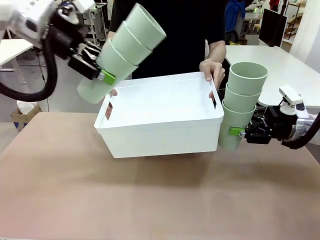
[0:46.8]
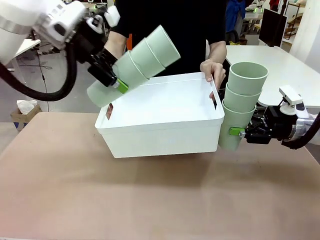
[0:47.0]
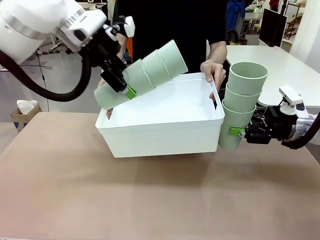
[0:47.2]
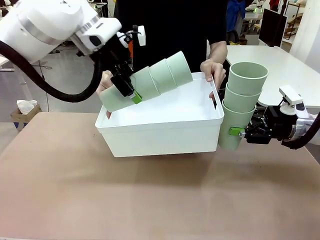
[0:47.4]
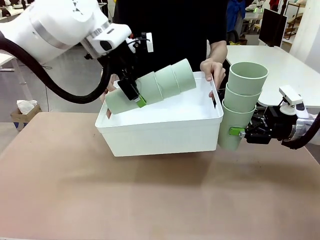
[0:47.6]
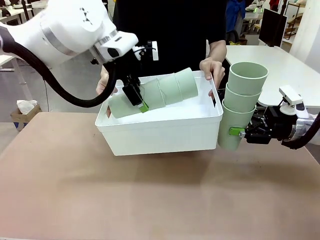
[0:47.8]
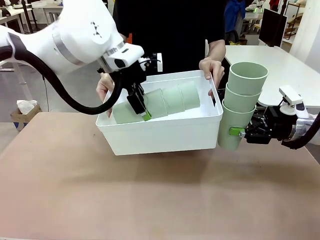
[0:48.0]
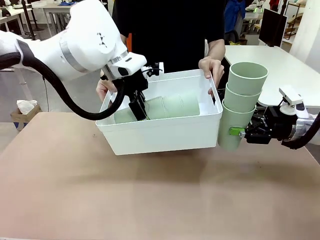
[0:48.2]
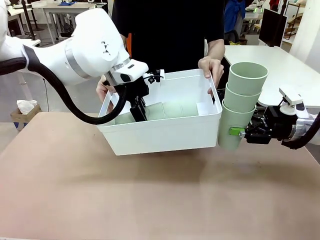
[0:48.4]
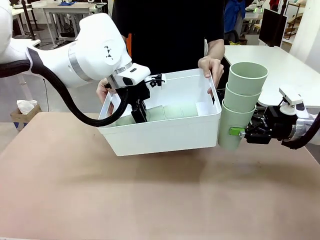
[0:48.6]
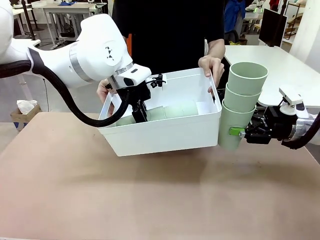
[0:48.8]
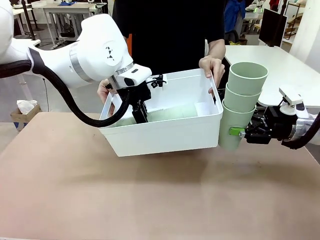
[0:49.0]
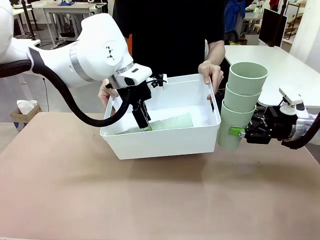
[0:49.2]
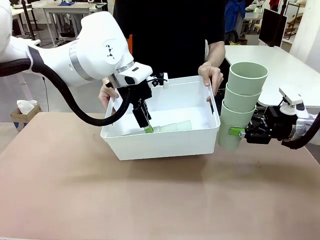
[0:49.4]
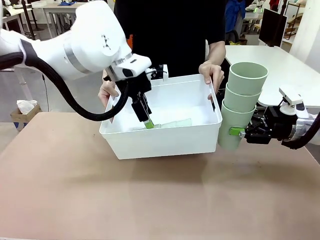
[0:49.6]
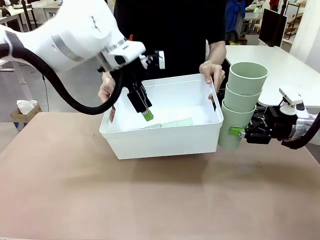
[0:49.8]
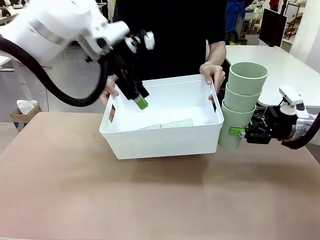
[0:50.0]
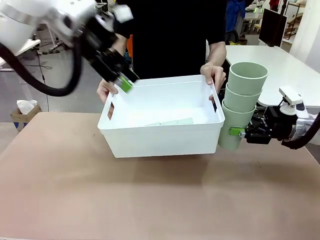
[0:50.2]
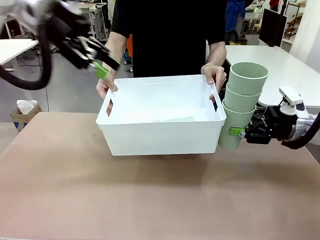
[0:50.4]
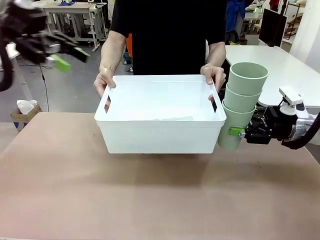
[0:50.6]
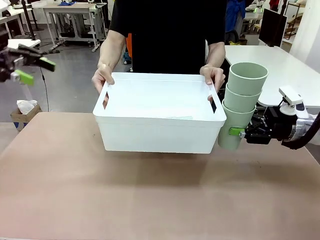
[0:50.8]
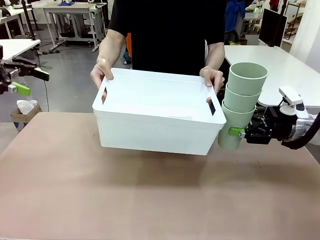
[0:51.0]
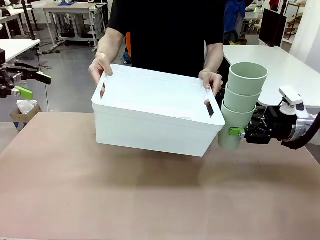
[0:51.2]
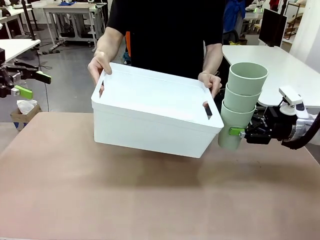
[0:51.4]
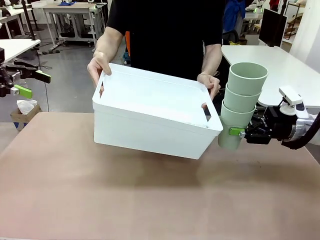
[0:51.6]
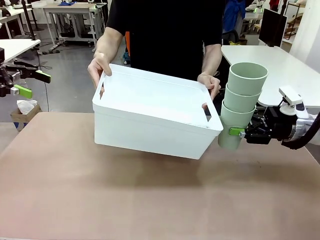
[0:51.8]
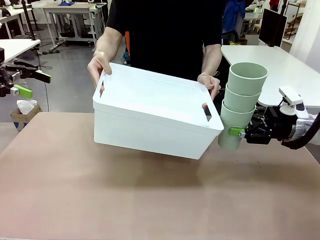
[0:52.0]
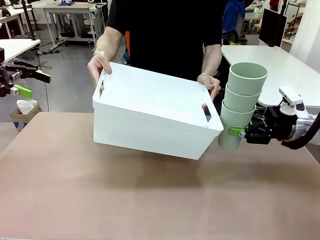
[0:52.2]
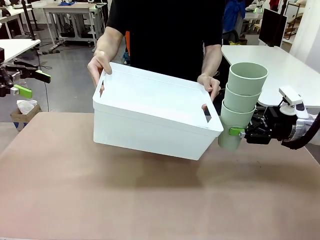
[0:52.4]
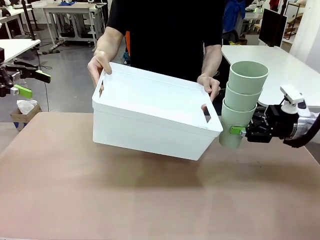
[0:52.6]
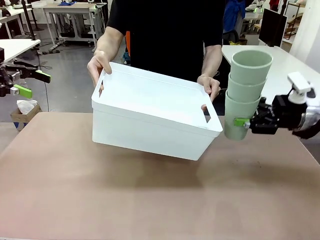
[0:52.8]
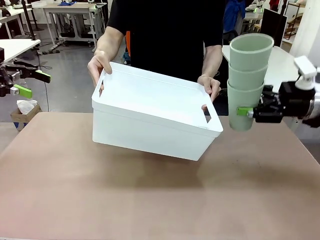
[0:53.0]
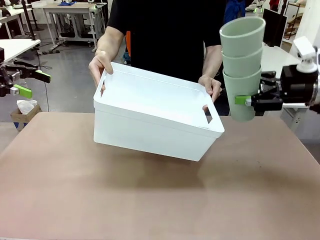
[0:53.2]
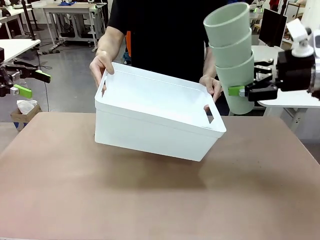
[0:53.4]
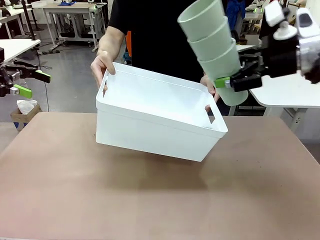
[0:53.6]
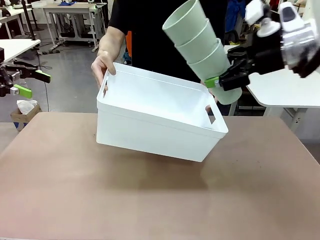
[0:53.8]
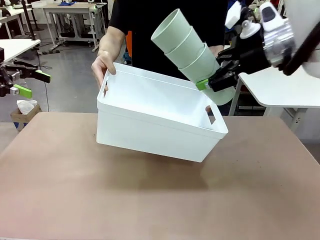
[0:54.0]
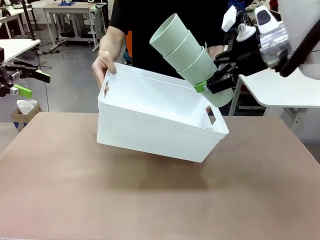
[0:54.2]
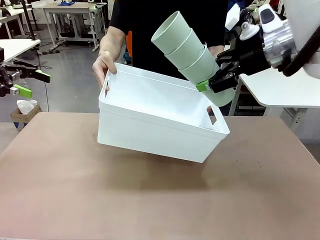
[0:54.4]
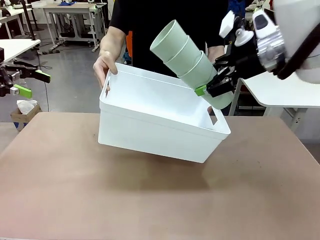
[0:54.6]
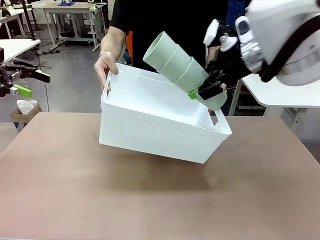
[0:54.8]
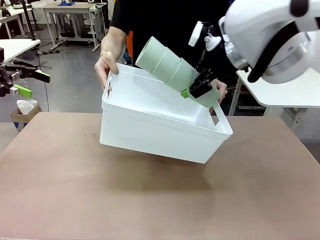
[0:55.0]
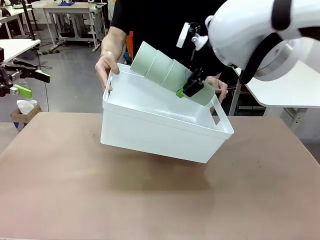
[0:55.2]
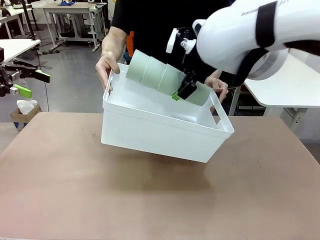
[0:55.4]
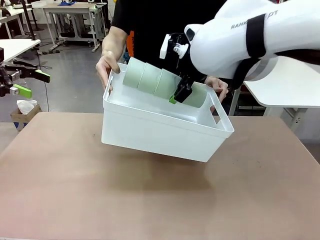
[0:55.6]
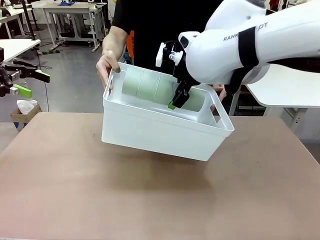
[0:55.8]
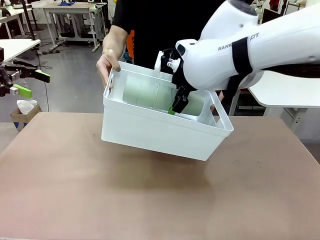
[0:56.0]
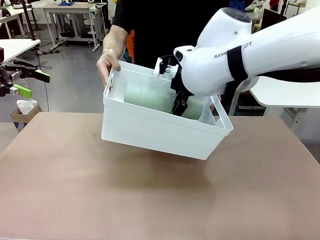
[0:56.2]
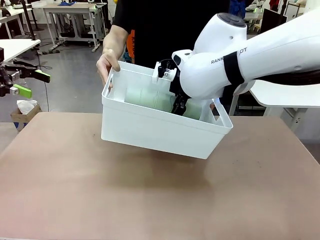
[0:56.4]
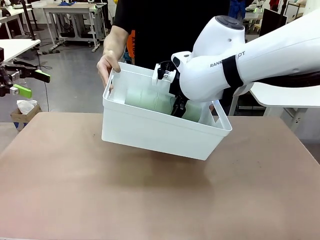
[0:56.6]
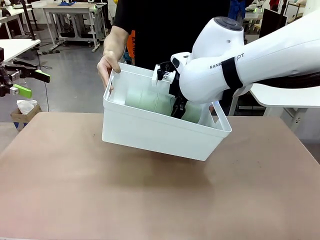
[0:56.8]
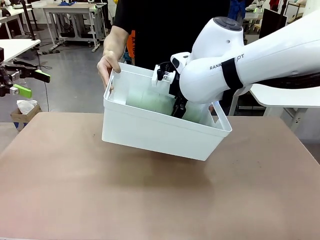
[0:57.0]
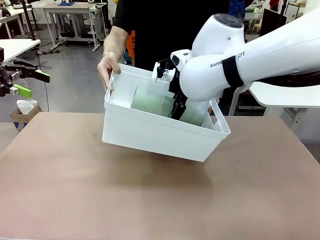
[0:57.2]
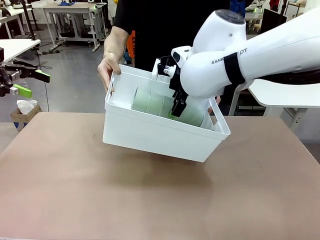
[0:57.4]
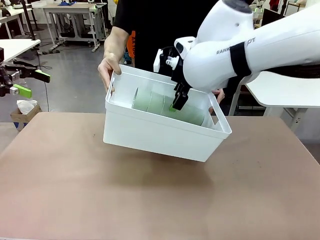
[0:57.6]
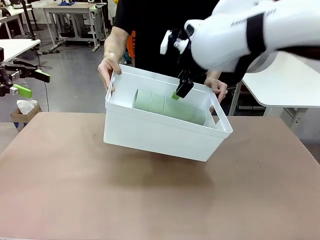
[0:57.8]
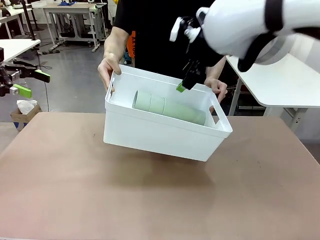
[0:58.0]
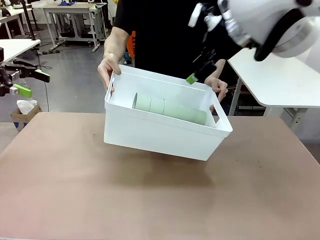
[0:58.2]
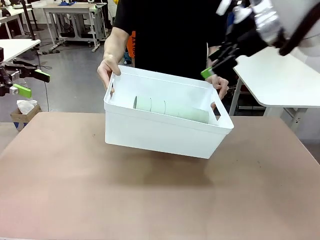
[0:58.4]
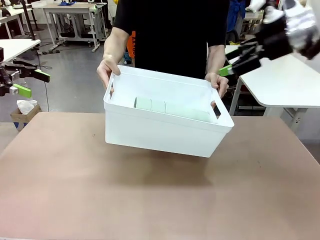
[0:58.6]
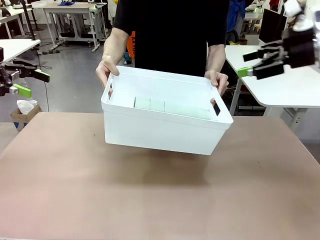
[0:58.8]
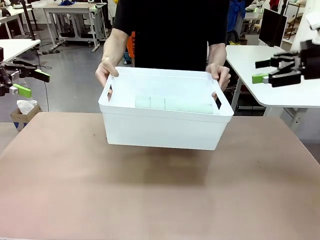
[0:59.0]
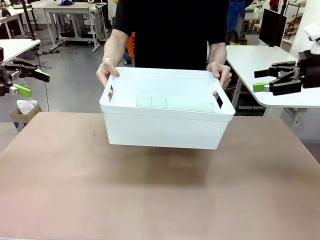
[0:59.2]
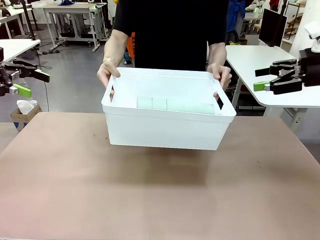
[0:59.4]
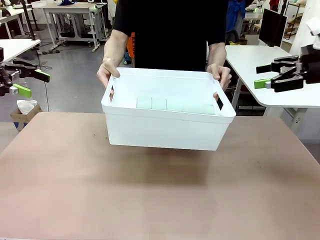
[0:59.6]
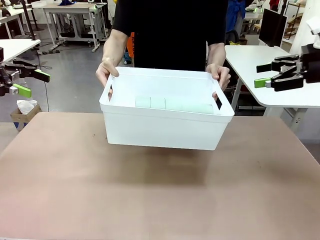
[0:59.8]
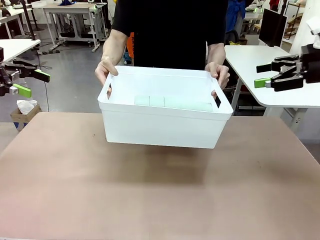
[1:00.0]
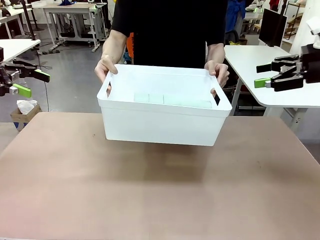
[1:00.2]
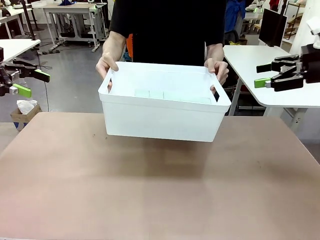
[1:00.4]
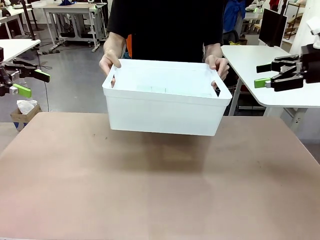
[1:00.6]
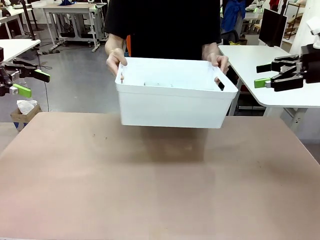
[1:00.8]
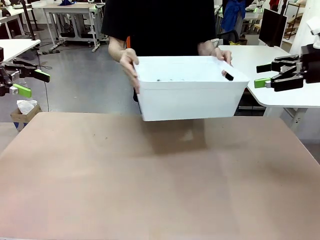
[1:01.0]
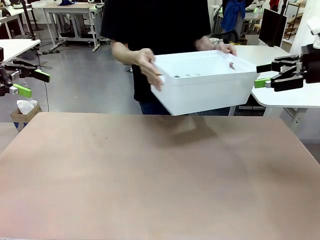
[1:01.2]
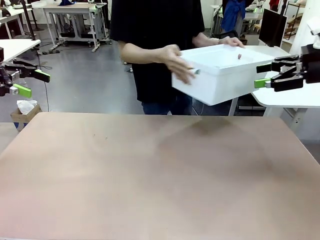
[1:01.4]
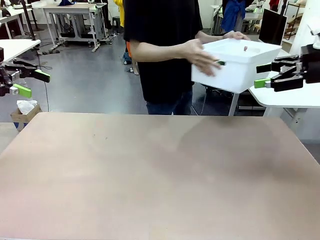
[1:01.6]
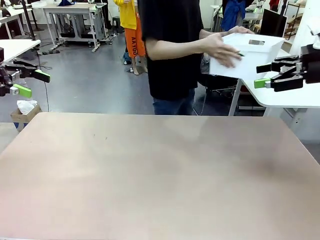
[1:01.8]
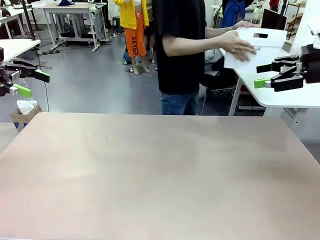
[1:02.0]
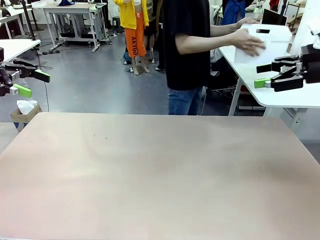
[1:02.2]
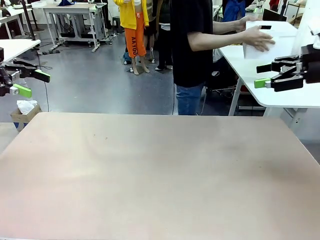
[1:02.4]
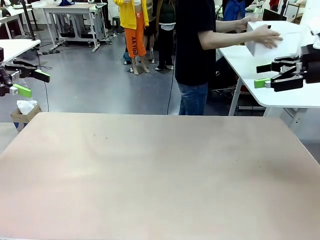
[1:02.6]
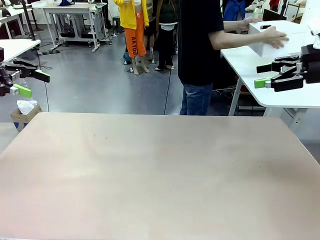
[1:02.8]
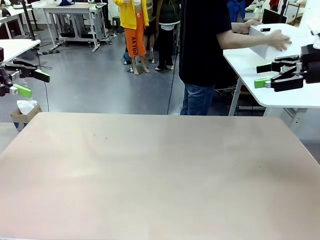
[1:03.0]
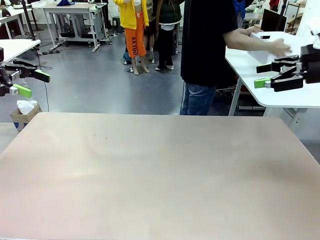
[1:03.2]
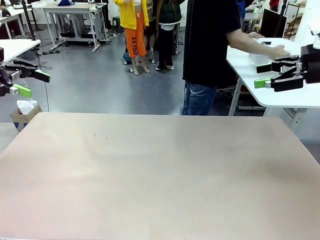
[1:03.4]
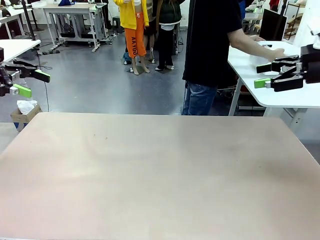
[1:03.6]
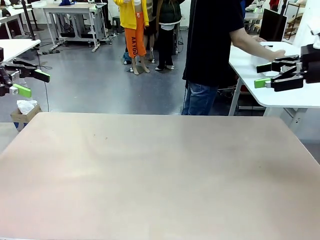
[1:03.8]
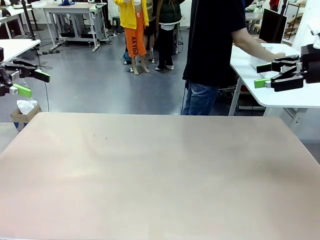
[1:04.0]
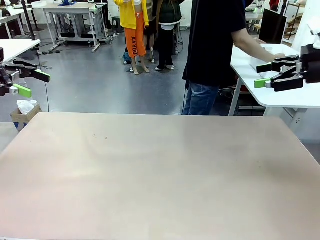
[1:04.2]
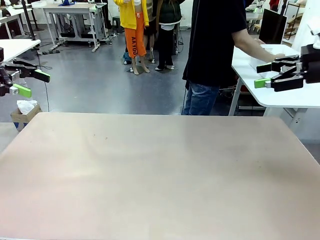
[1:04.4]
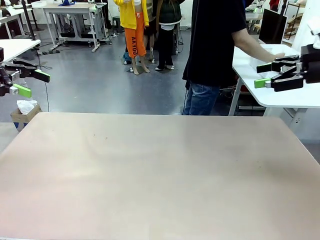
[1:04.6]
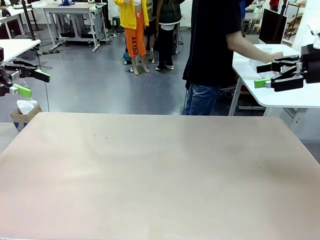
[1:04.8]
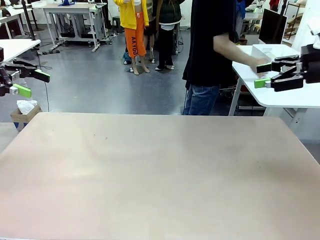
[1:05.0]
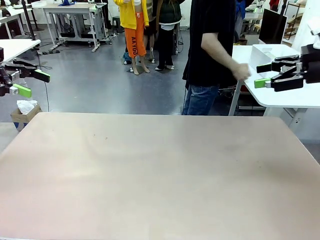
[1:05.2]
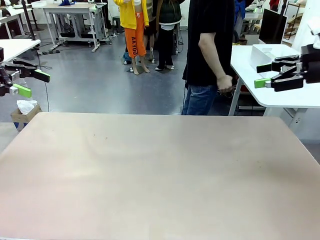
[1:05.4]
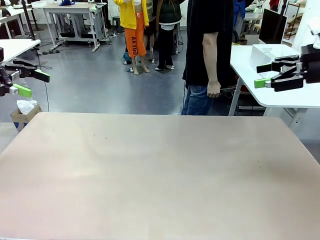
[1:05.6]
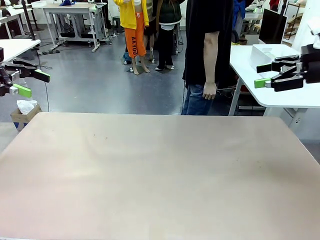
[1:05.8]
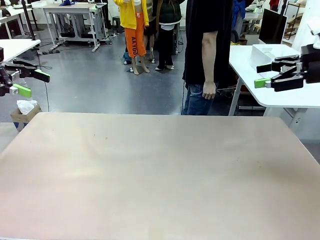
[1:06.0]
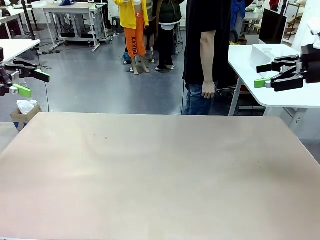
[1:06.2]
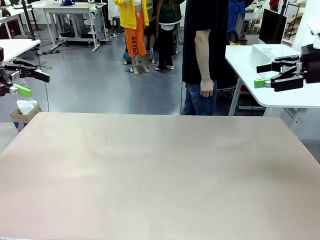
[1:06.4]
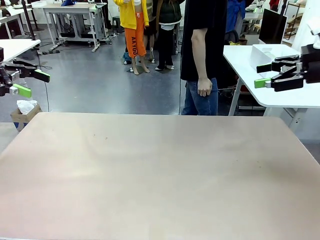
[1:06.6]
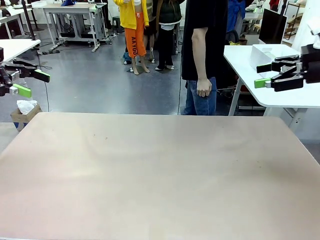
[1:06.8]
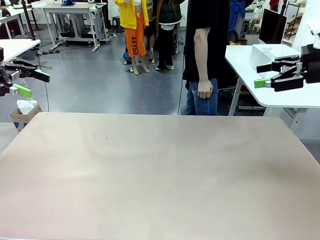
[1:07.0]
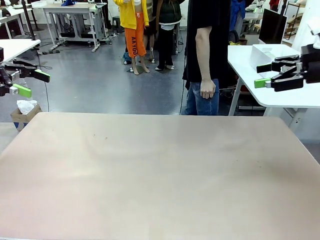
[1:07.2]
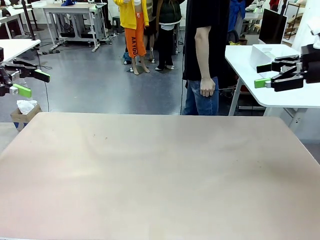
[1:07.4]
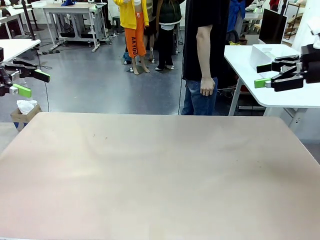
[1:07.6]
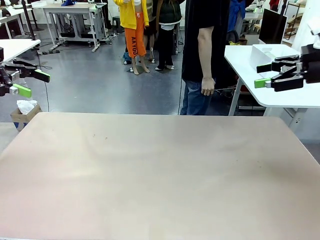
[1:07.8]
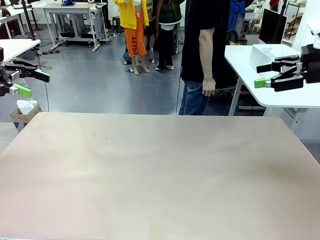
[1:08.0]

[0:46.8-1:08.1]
Task: Stack the cups and store them in the basket.
Robot: Place the stack of Reusable plastic cups into the Pantry Basket.
Person: Place the basket containing the cups in the middle of the Human Table.
